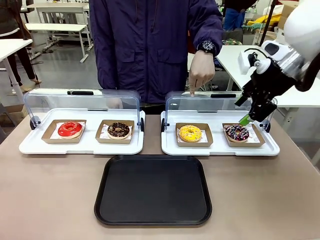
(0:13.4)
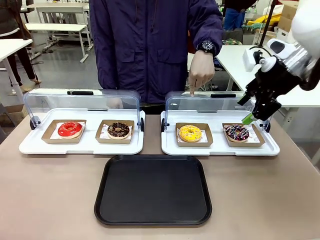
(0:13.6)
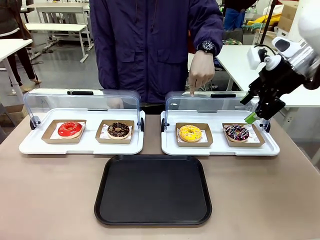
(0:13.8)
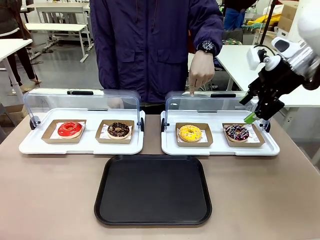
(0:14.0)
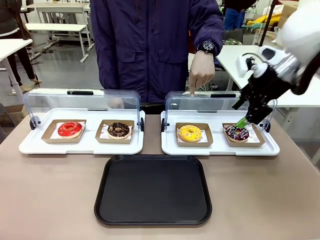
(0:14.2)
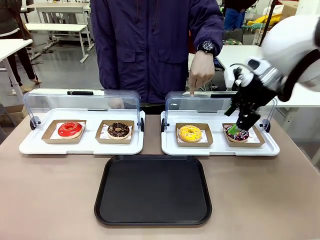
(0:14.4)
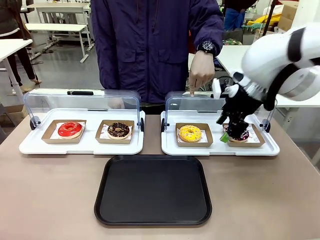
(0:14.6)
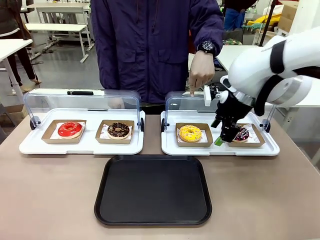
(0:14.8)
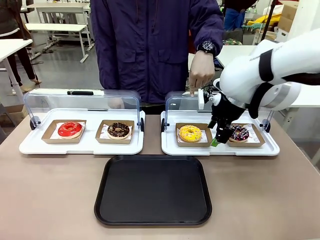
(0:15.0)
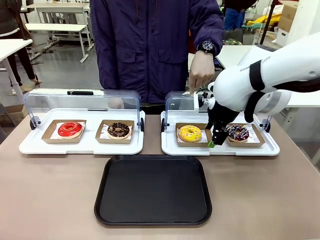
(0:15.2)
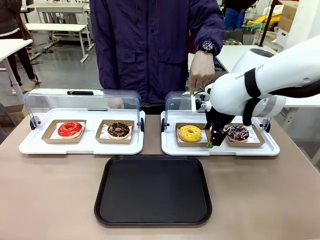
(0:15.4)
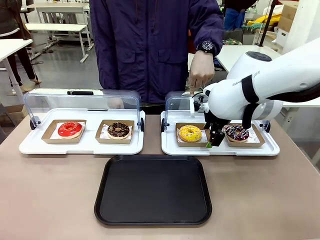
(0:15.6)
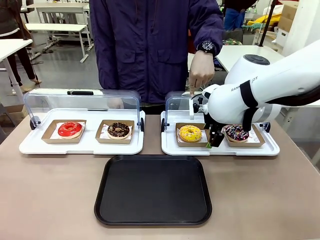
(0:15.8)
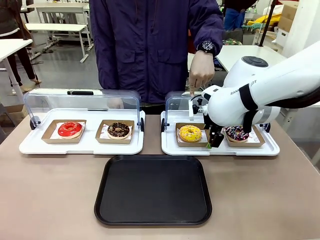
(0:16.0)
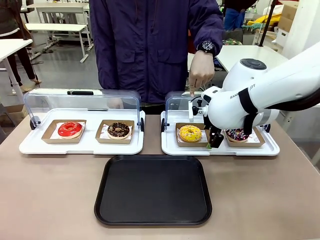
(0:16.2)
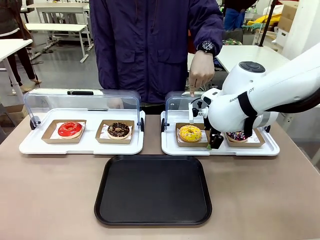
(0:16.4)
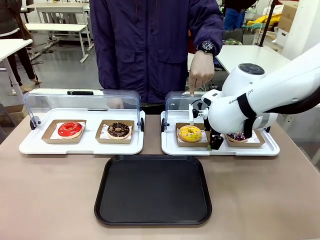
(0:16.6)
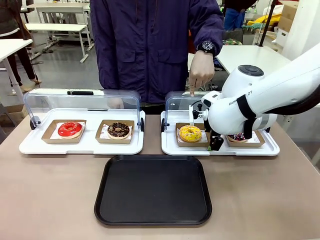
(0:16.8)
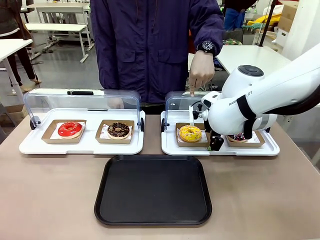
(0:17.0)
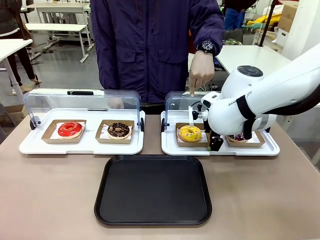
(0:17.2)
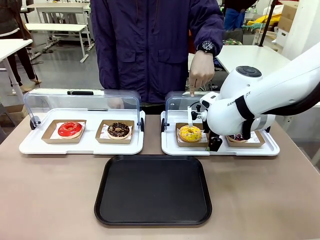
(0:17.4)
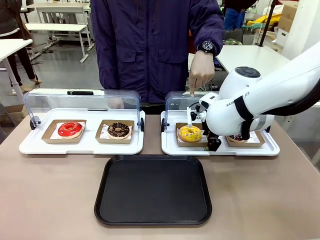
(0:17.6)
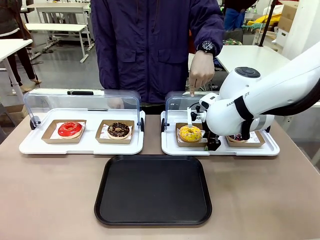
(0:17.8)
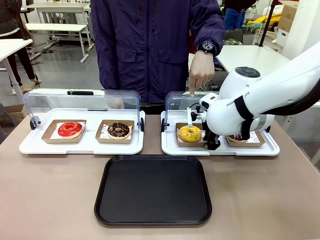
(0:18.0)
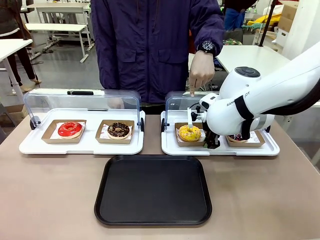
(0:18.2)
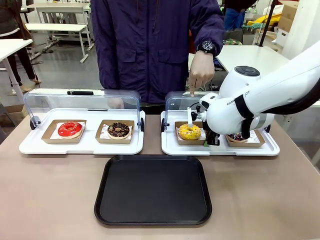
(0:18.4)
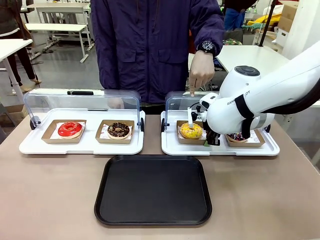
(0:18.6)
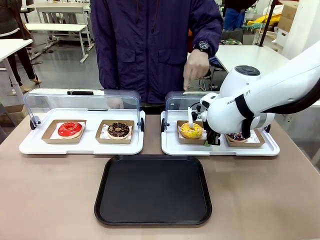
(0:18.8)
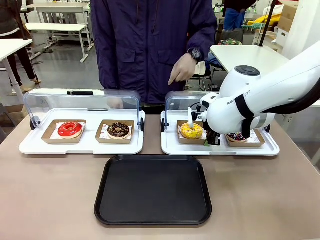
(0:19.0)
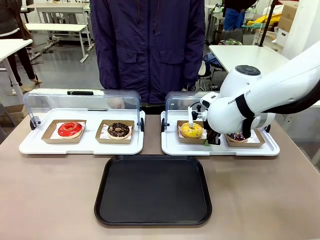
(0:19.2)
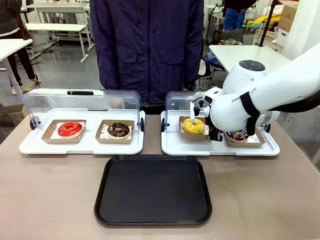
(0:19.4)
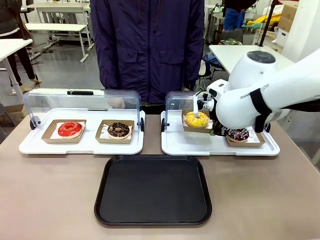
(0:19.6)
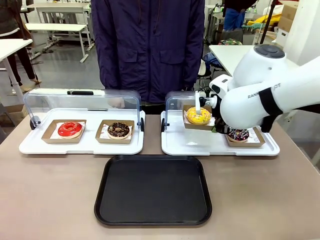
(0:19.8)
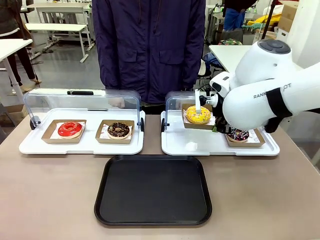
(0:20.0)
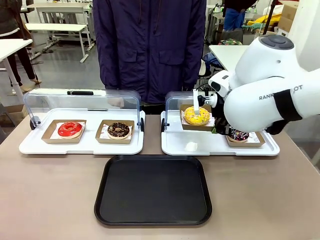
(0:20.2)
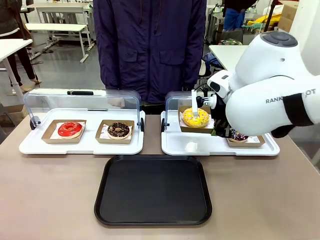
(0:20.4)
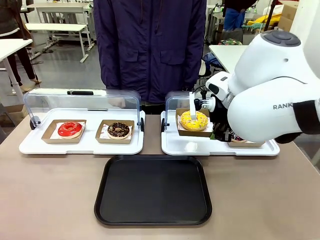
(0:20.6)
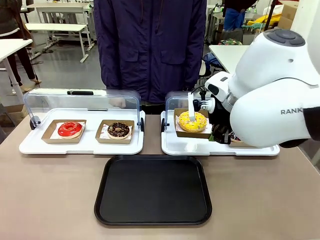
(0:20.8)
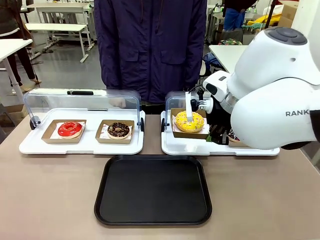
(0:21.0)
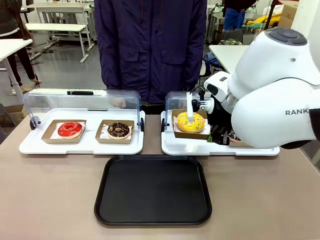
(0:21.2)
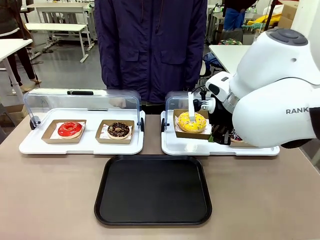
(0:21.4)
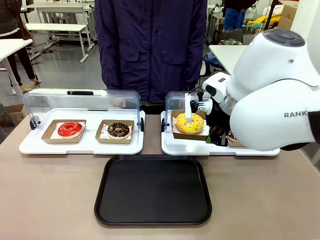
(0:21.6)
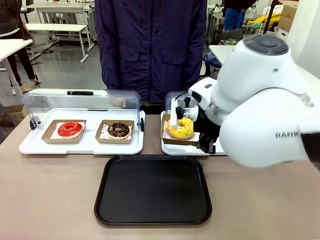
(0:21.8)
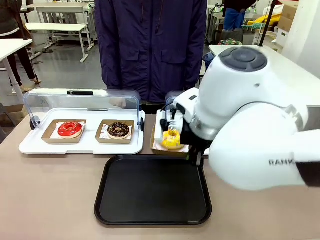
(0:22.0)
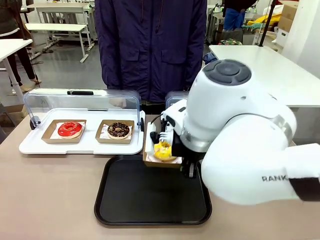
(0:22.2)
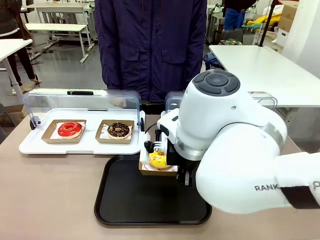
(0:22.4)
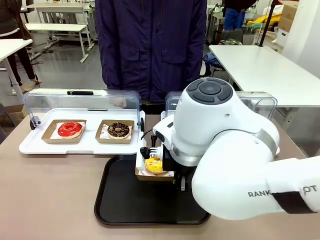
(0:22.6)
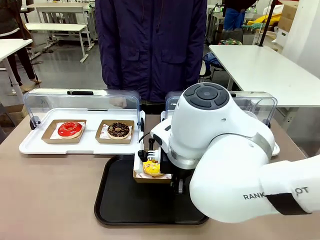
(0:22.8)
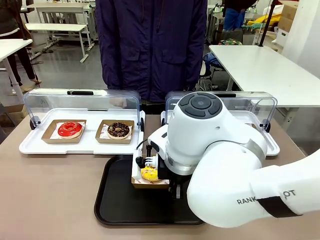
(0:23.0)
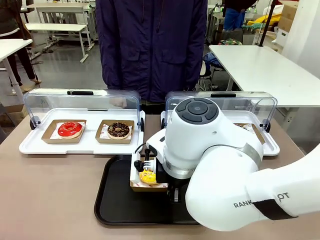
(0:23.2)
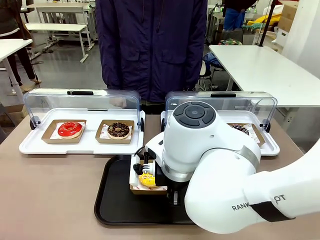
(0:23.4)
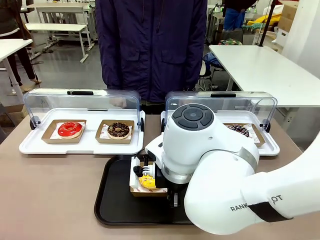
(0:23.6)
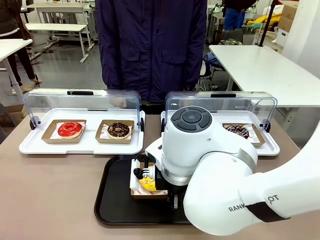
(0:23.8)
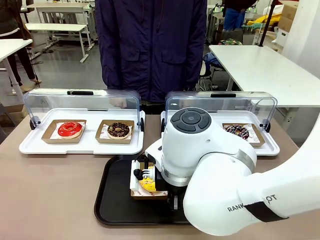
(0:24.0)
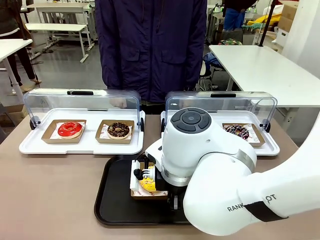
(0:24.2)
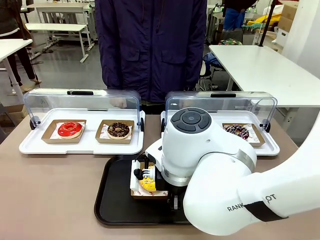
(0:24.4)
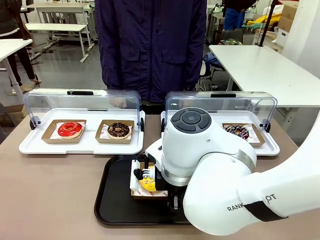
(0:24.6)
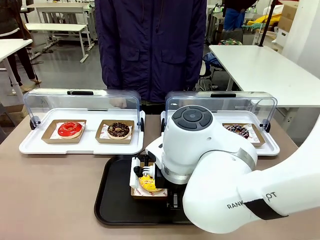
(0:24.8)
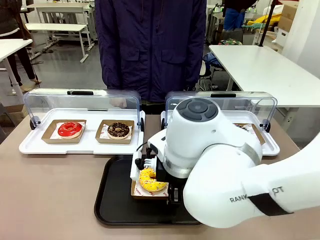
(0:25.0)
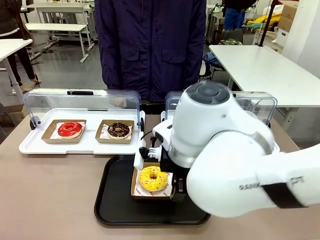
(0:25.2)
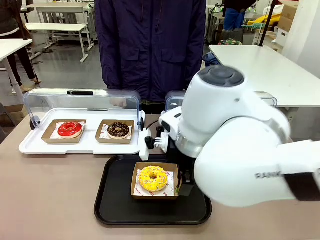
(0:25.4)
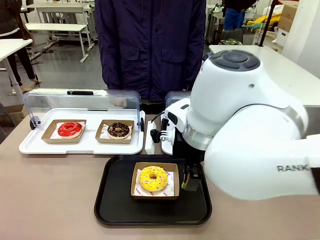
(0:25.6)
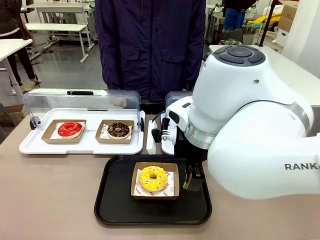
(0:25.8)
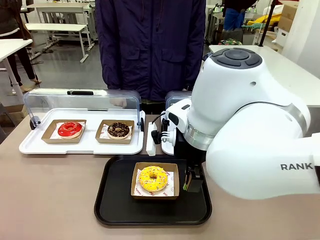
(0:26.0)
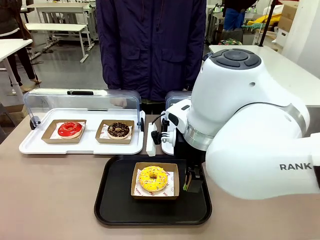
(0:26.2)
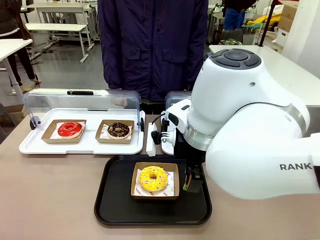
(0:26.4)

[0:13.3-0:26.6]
Task: Move the third donut from the left to the tray.
Robot: Pick up the Paper togo box containing the Donut indicated by the person and place it on the Handle tray.

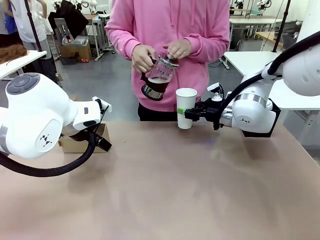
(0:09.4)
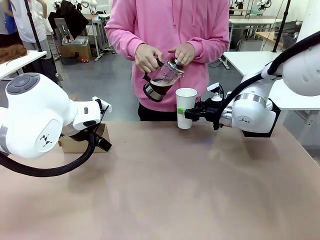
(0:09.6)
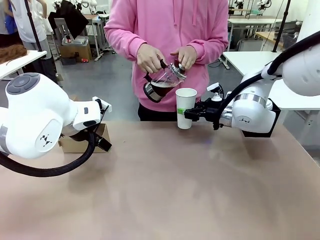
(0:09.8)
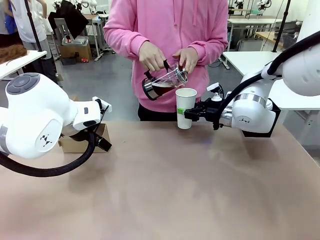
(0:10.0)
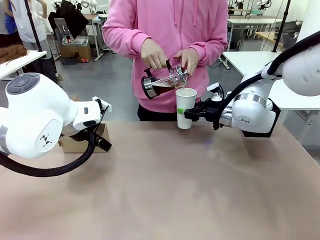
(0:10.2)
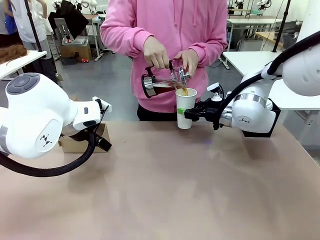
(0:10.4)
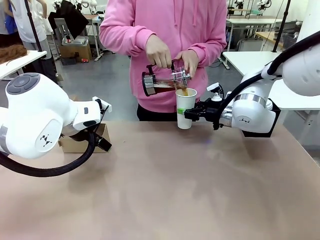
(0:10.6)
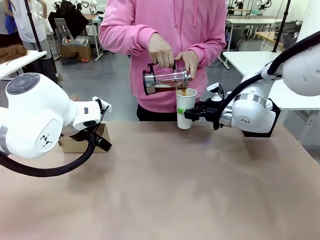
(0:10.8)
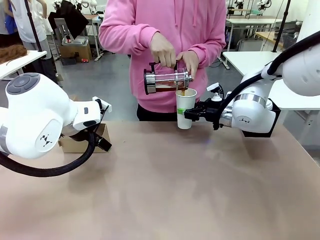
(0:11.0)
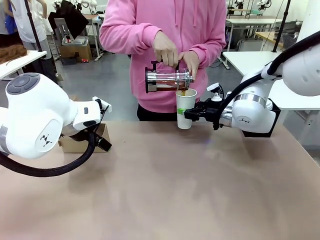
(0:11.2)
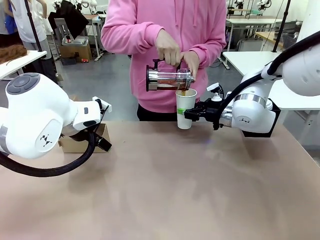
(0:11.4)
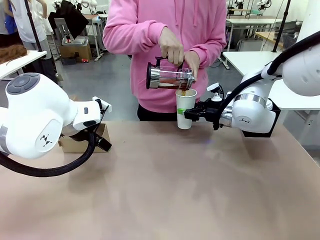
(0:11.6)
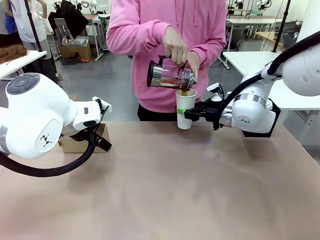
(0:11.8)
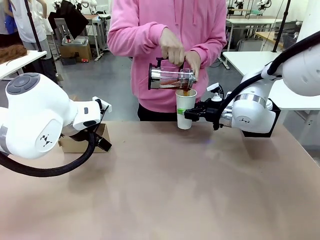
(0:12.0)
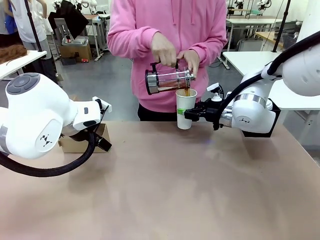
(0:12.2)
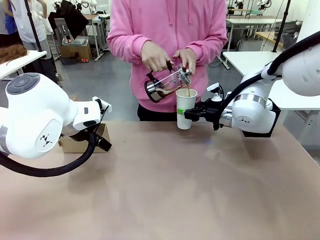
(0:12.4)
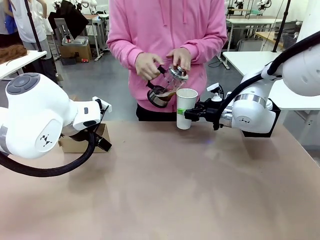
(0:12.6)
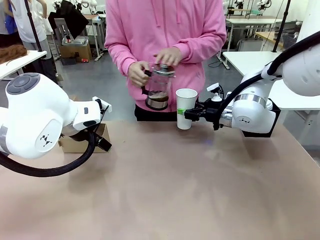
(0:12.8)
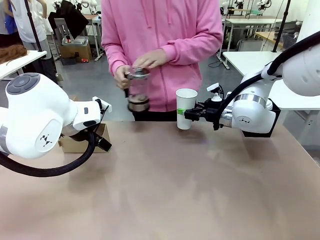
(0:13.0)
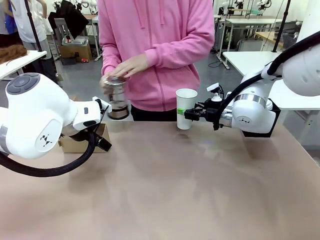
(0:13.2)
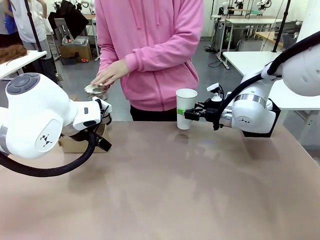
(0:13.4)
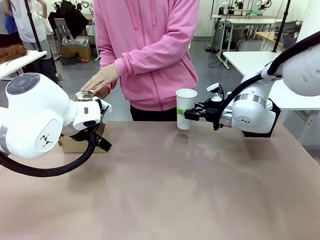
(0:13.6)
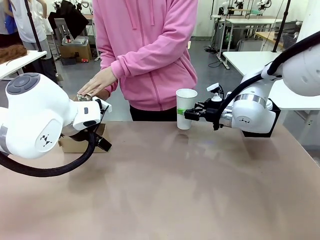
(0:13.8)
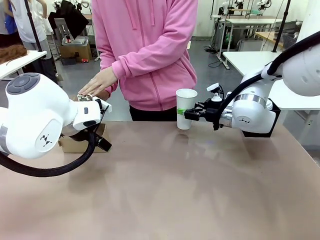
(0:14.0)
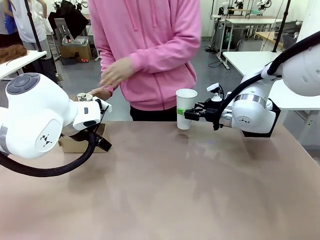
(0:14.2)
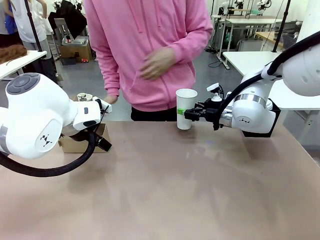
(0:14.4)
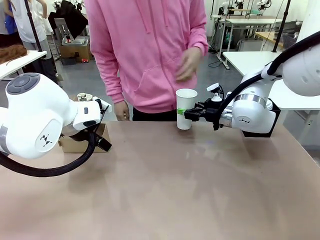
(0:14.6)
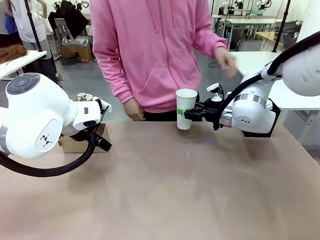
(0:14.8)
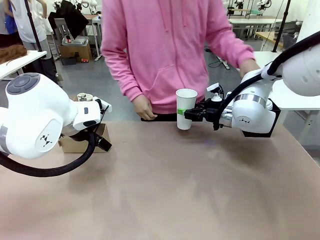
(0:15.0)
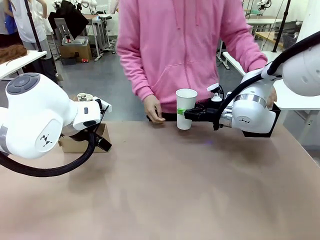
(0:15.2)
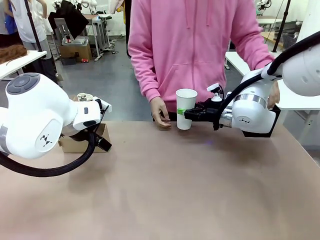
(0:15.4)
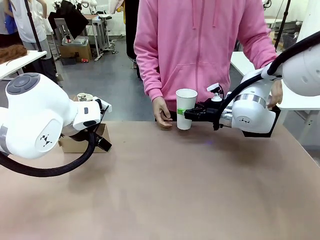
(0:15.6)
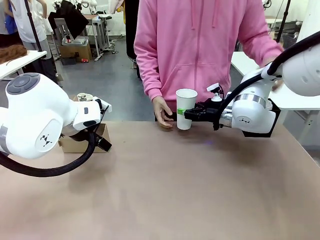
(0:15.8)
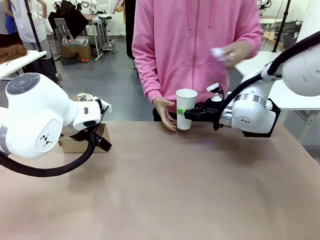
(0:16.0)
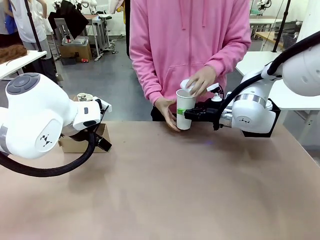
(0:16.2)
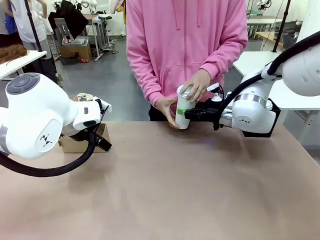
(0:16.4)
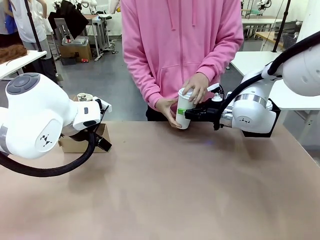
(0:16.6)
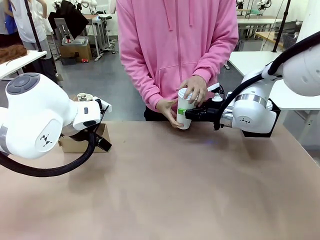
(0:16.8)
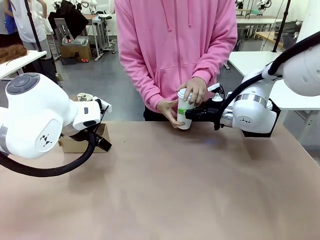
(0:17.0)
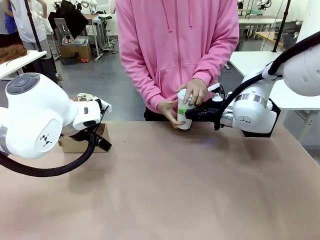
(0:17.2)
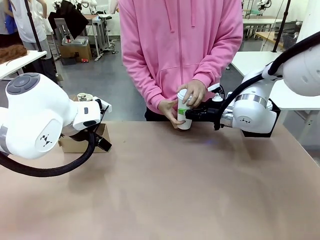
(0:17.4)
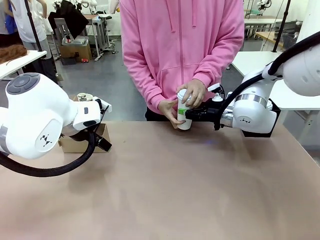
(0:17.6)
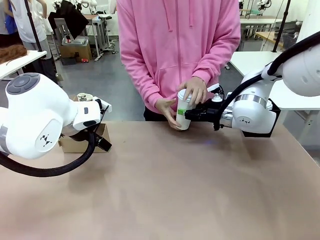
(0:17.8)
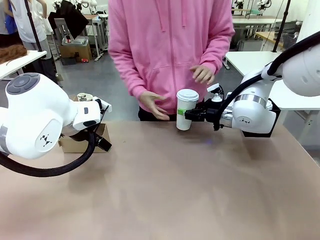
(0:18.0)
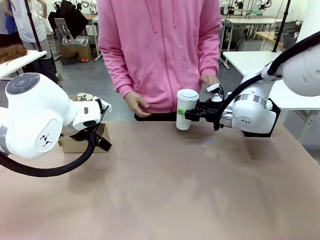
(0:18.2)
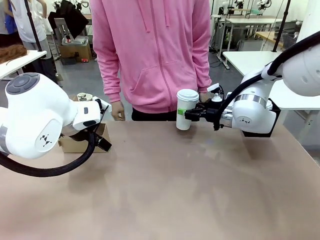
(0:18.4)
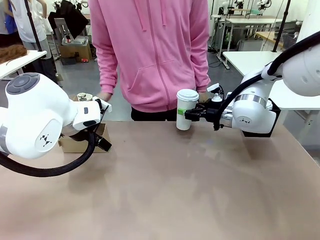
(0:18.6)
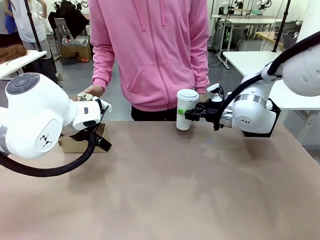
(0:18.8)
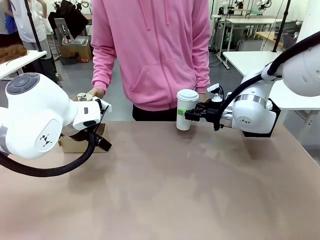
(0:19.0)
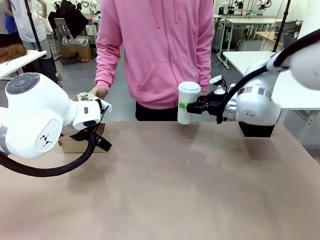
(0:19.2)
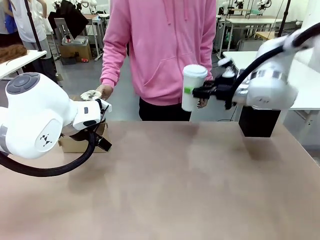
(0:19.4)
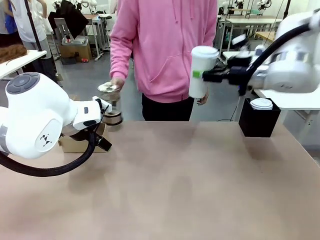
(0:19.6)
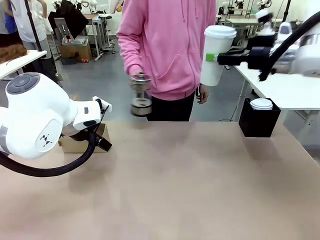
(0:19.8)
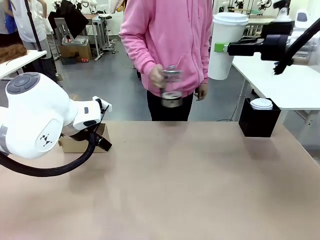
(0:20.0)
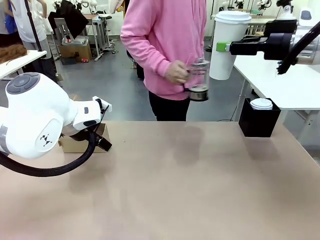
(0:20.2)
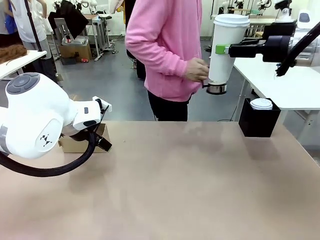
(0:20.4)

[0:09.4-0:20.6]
Task: Pour a drink into a cup and package it in a carrier.
Robot: When a person places the Paper Cup Lid on the 600 ml Paper Cup , lift the 600 ml Paper Cup.
Person: Pour the drink from the Filter Brewing into the 600 ml Paper Cup. Place a Paper Cup Lid on the 600 ml Paper Cup.
